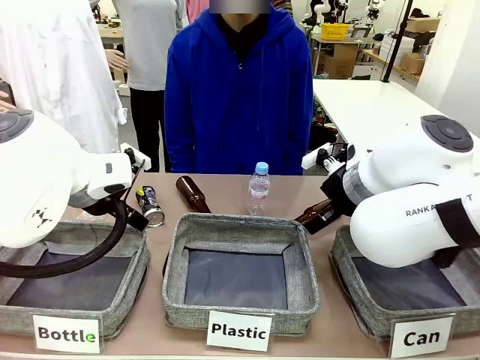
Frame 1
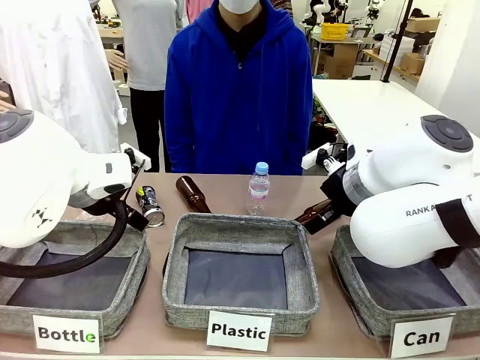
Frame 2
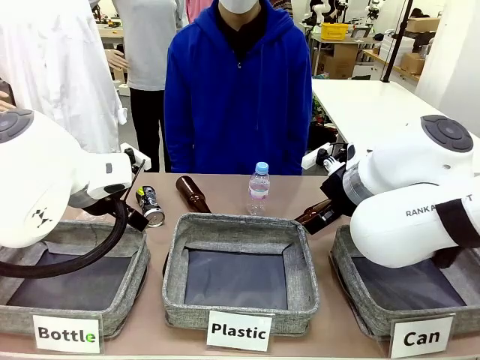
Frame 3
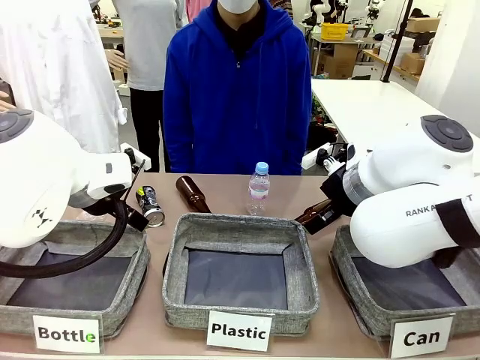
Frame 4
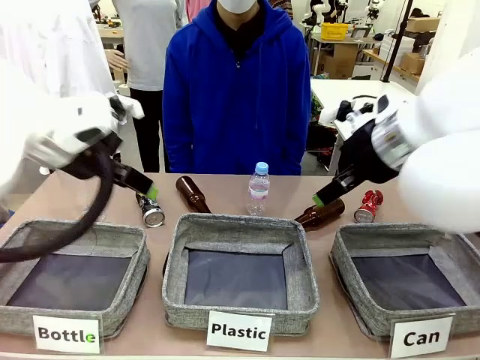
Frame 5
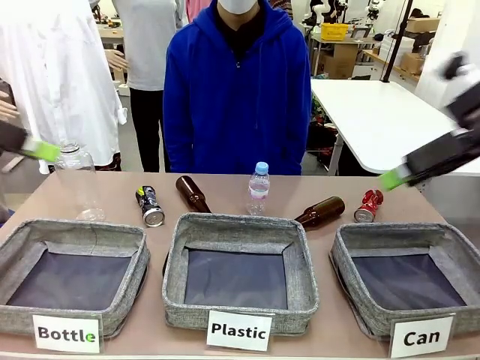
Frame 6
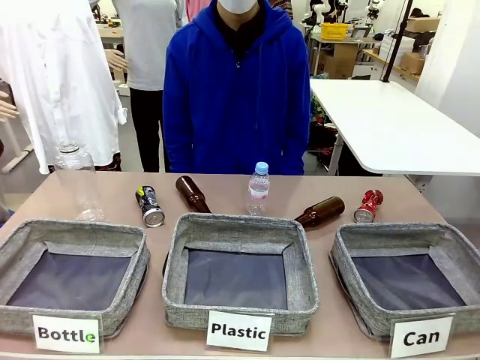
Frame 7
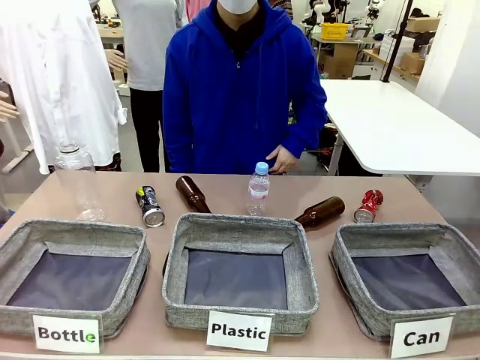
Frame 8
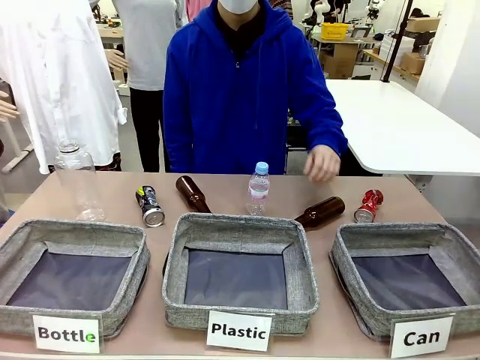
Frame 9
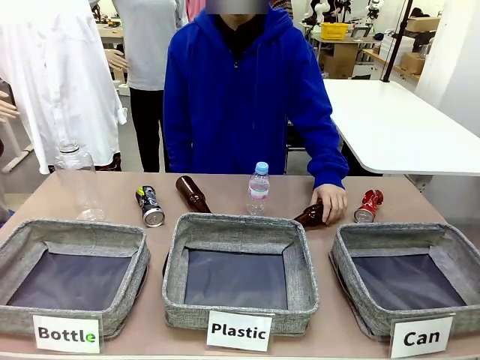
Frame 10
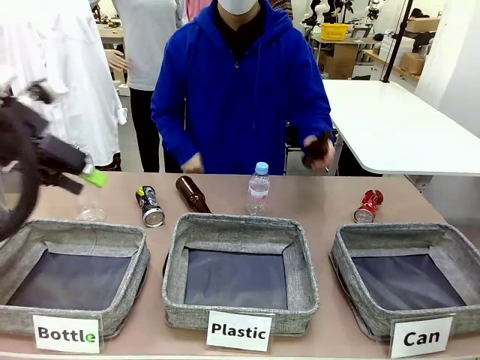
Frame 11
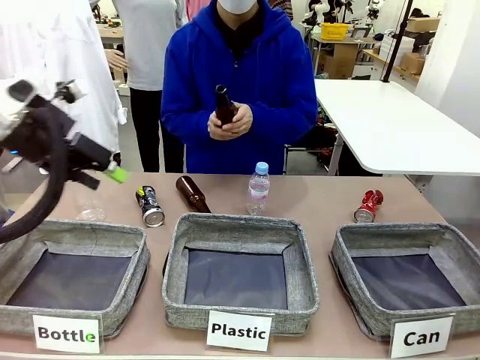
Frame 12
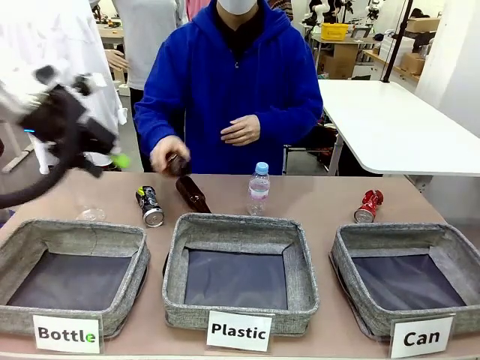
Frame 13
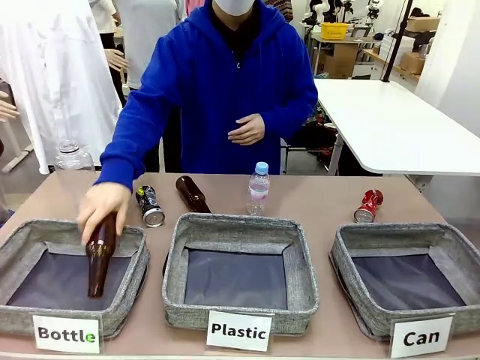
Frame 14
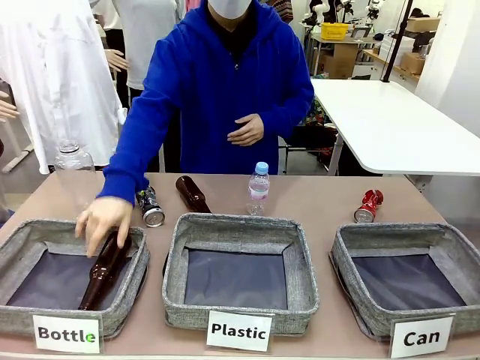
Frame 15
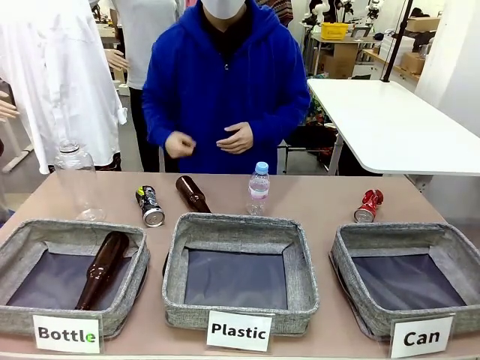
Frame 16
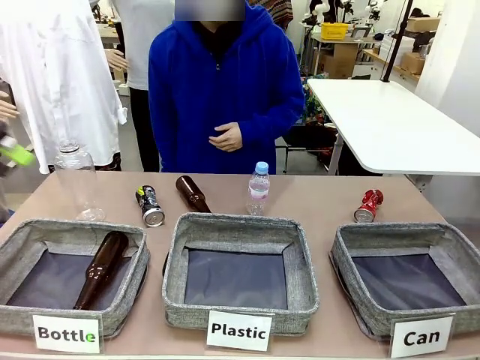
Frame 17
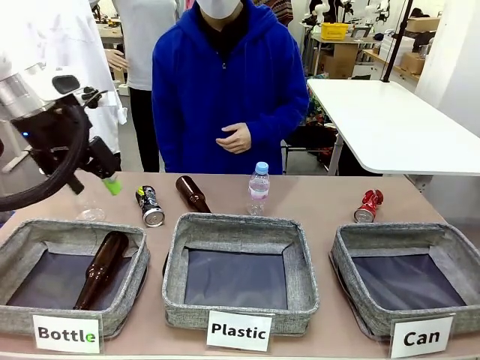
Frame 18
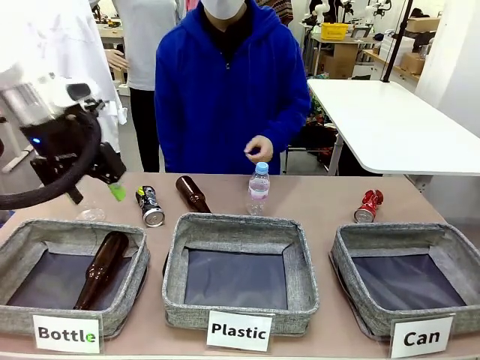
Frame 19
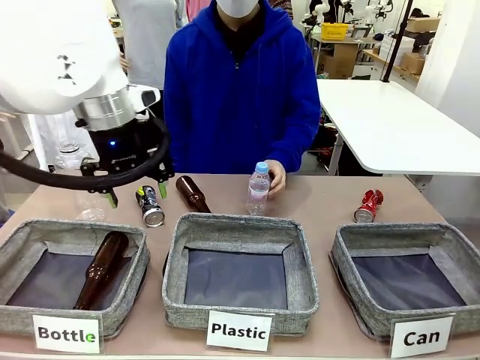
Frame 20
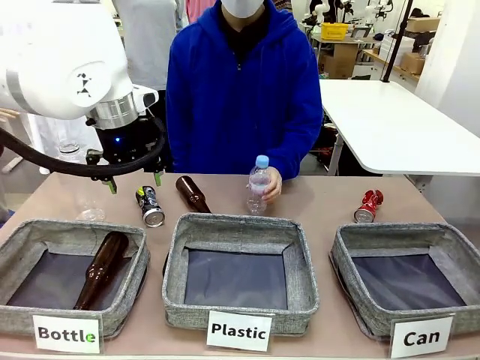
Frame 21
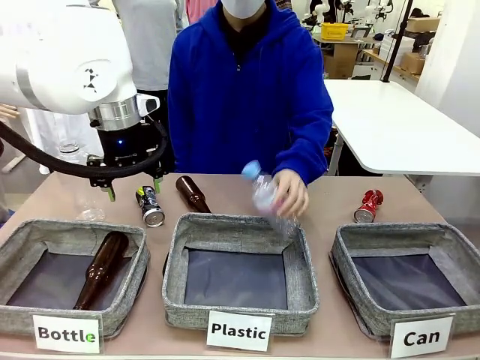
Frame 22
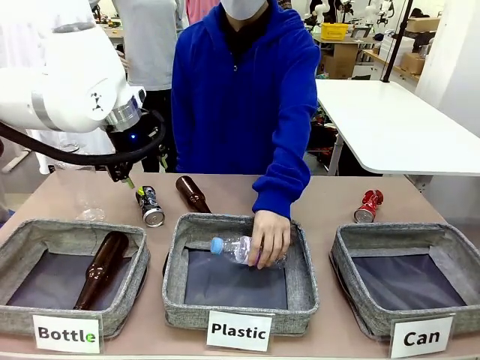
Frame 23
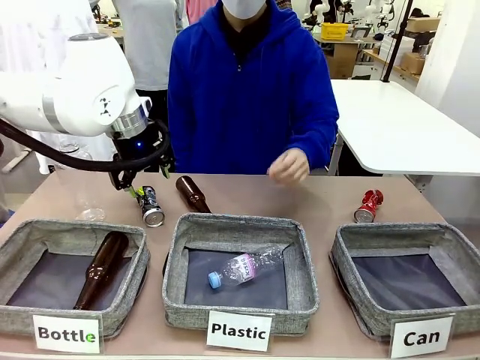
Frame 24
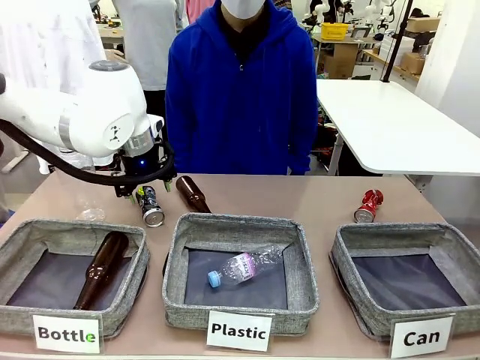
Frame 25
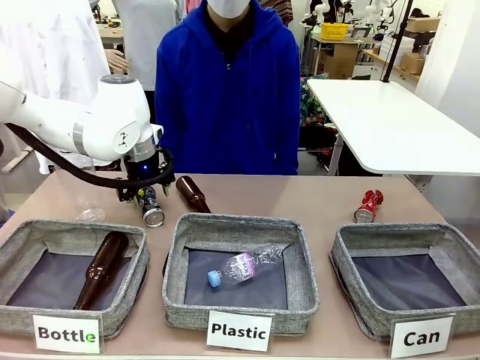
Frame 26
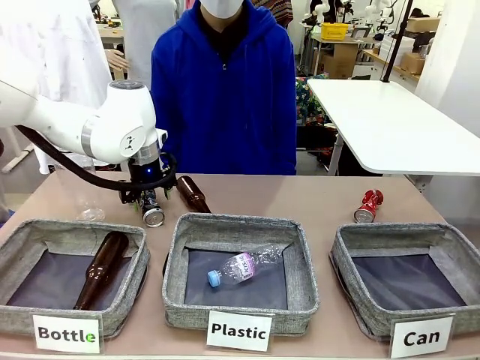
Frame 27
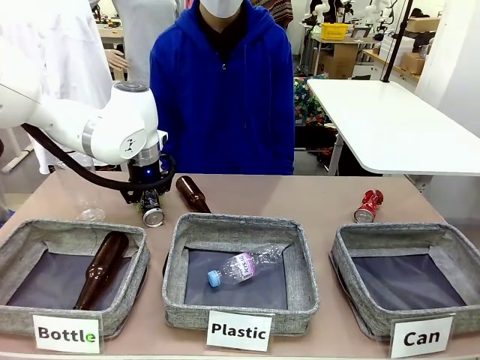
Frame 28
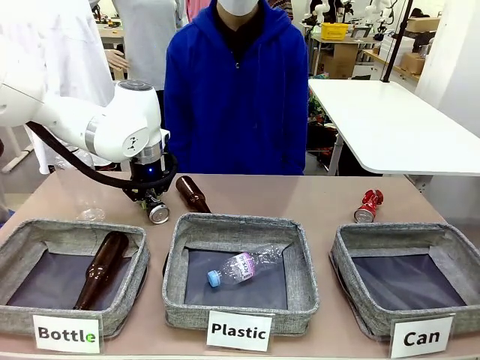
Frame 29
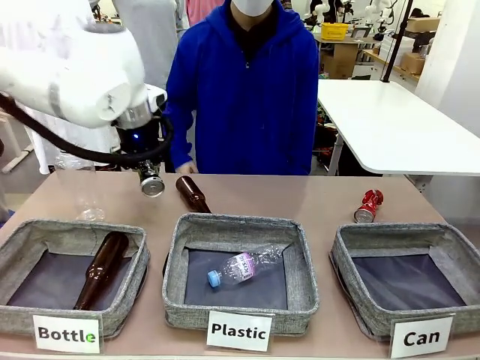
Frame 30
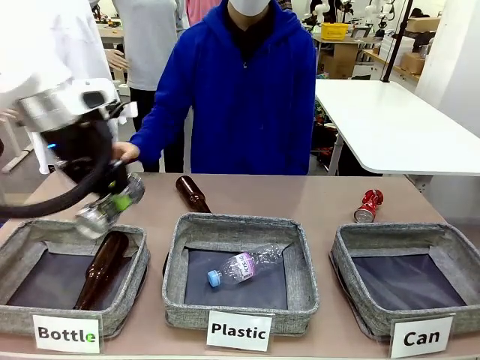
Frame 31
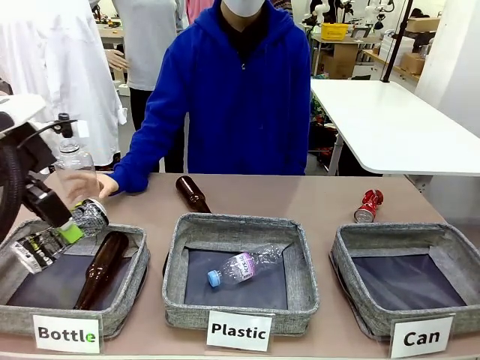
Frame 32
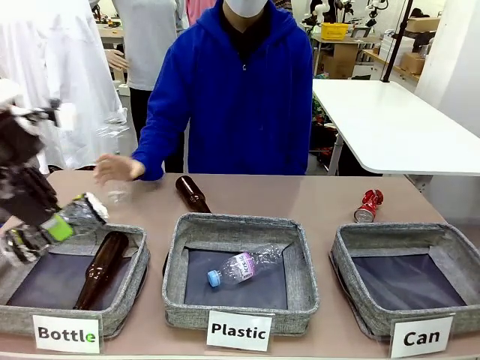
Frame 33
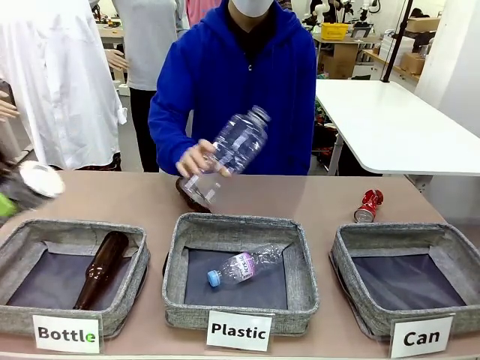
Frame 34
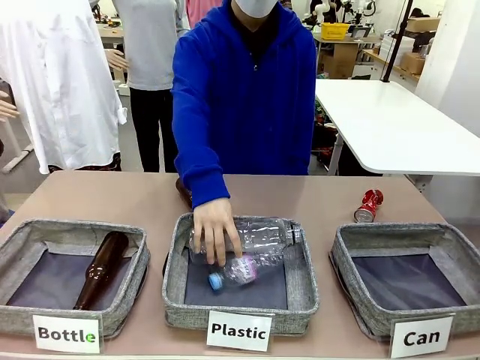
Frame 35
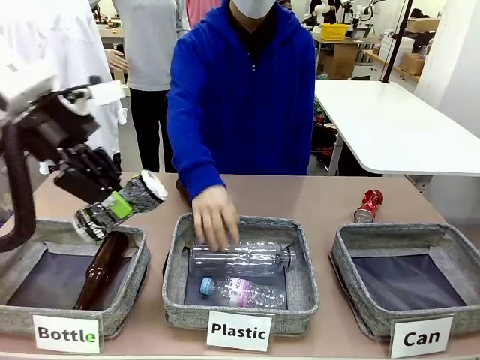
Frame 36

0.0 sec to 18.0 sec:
Task: Sort the can waste into the basket.
Robot: Pick up the can waste from the table and place it in the right Fabric basket.

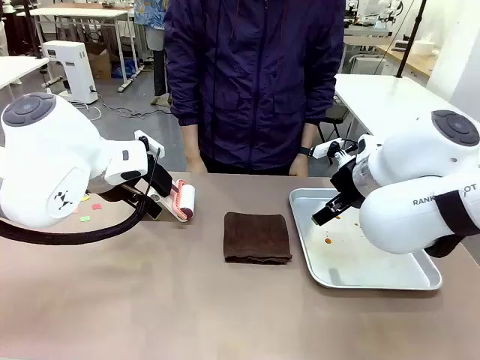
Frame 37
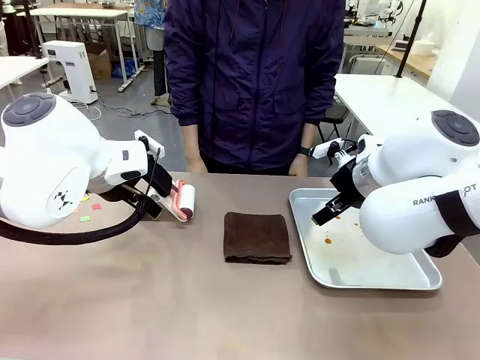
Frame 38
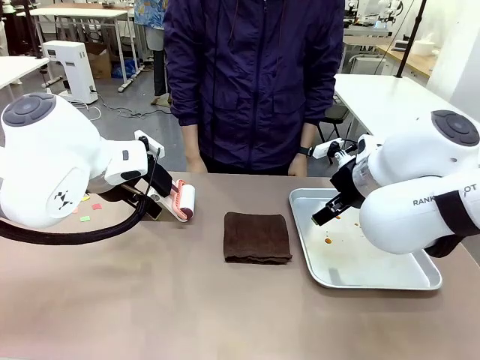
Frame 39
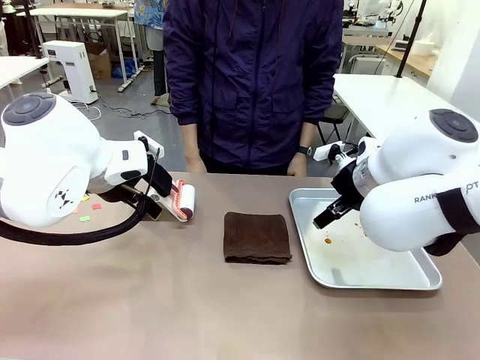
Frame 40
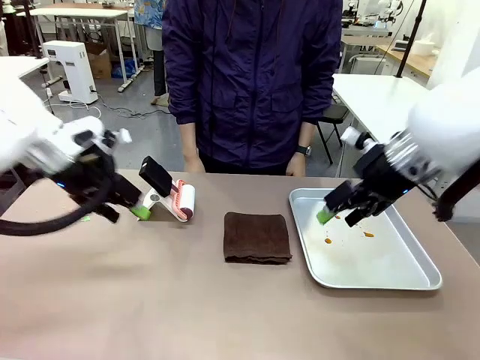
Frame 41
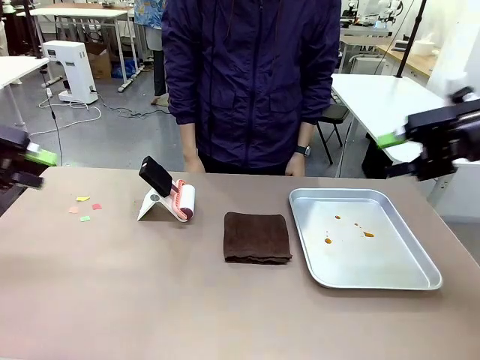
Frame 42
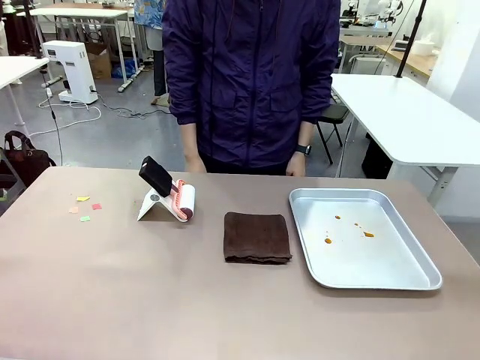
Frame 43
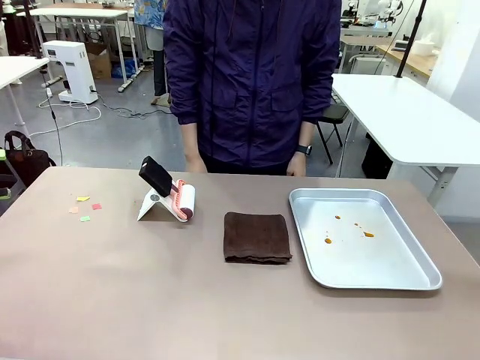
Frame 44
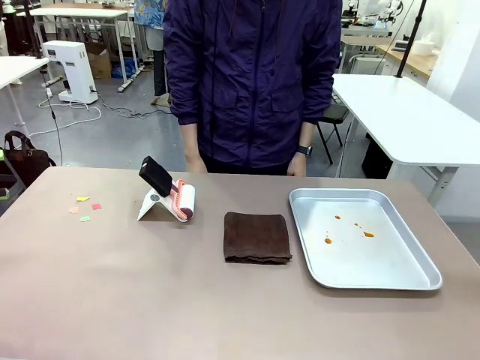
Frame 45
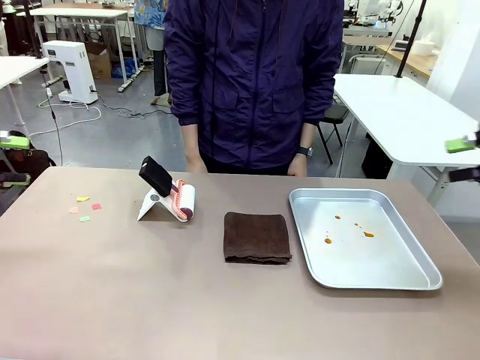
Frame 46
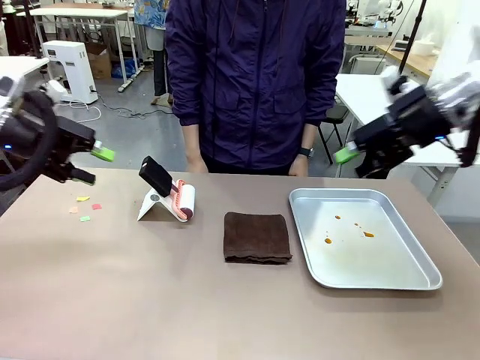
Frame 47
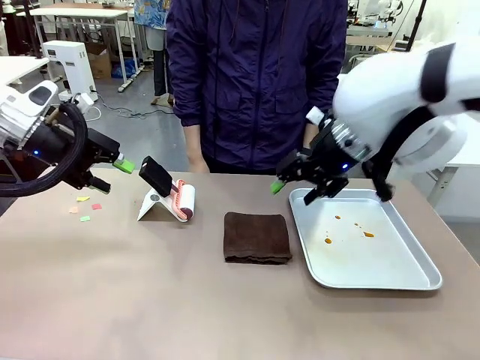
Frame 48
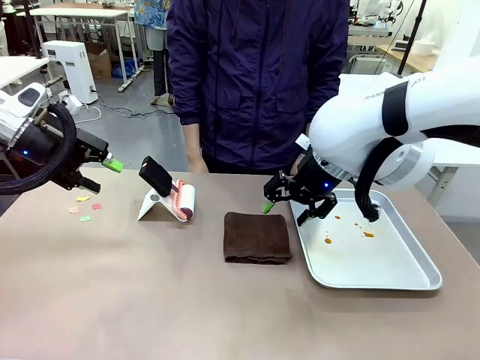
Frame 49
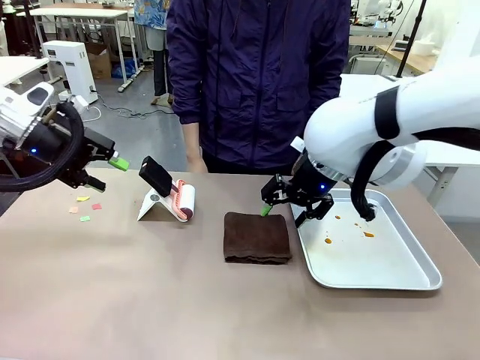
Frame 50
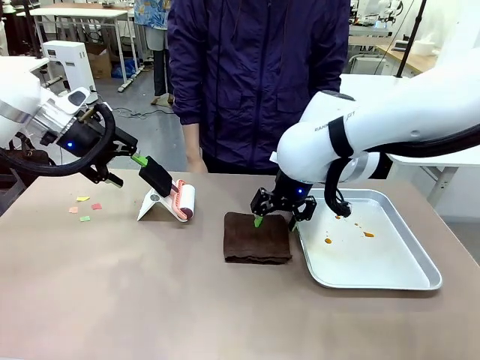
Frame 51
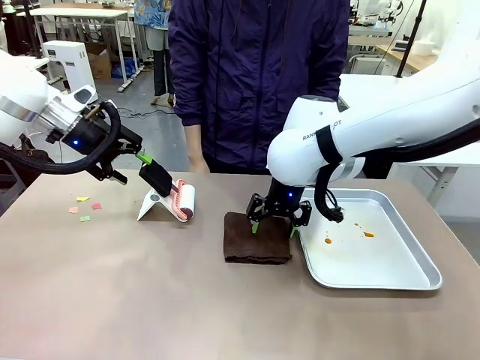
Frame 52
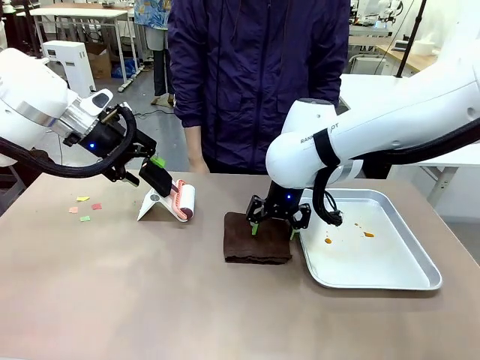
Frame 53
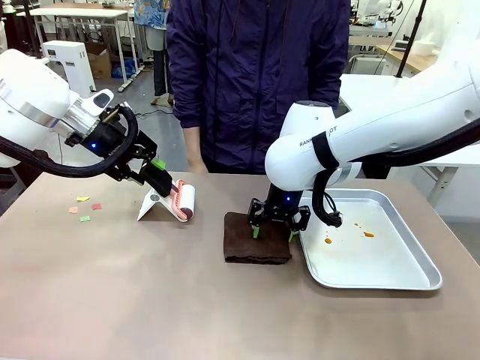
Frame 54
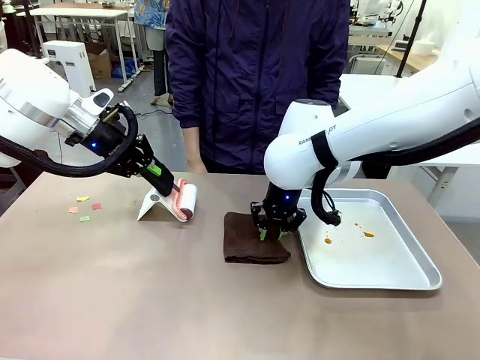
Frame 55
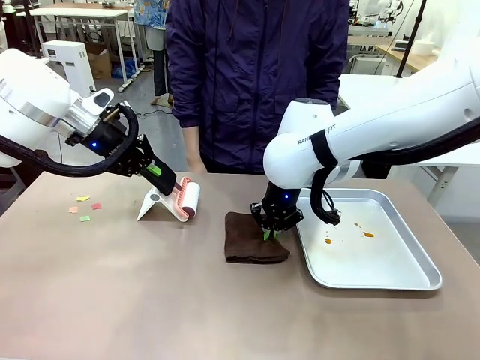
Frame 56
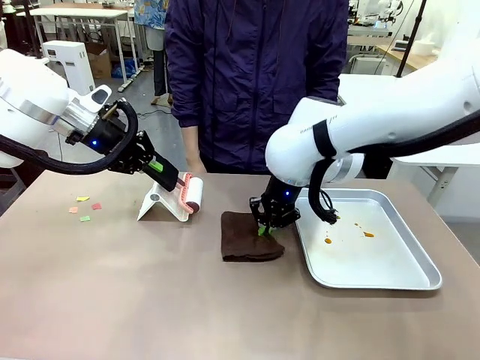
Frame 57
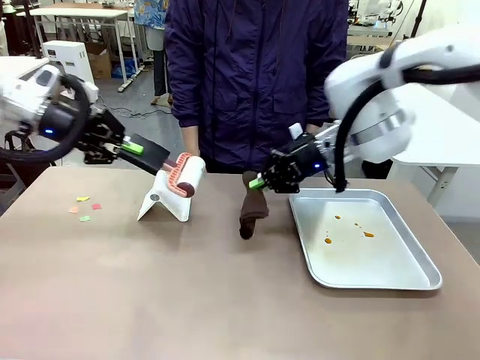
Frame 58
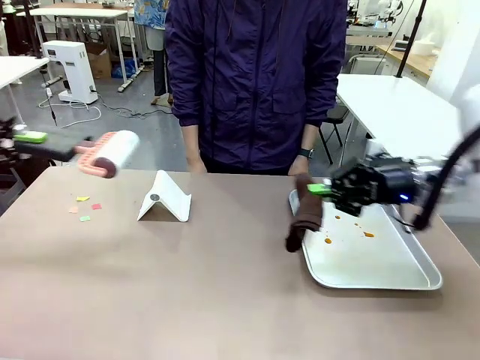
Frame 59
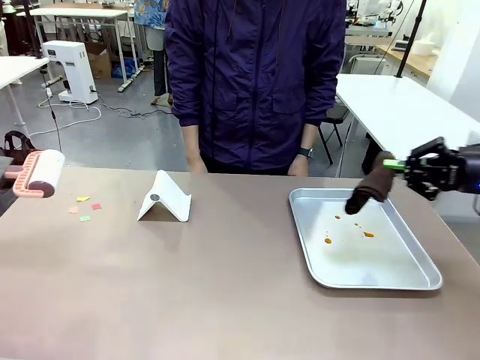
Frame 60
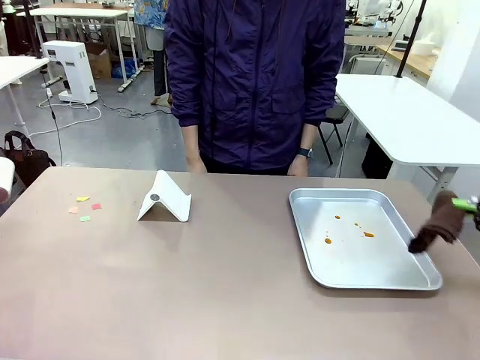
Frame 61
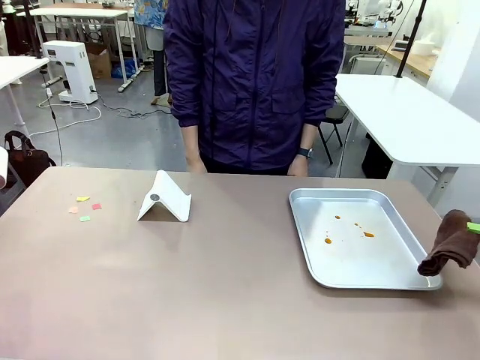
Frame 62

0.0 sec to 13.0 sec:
Task: Clean the surface of the table.
Robot: Hold the Lint Roller with your left hand and the towel with your right hand.
